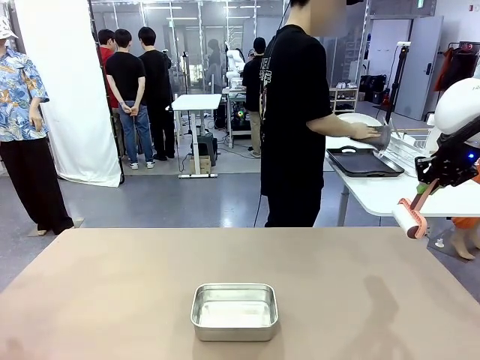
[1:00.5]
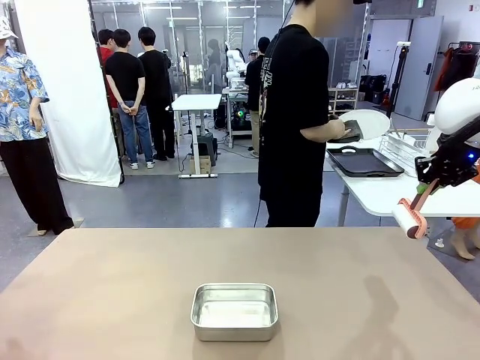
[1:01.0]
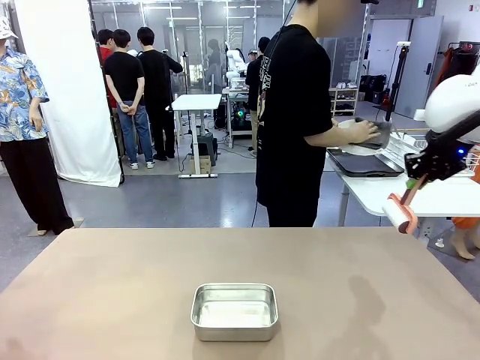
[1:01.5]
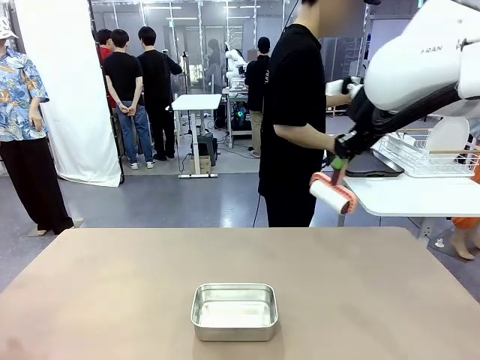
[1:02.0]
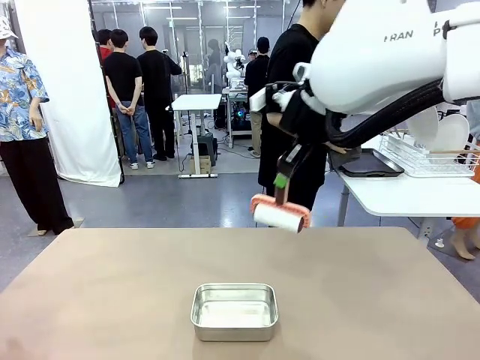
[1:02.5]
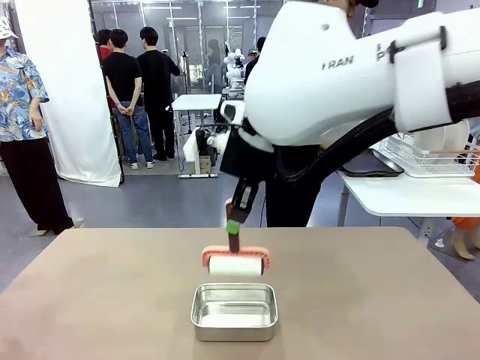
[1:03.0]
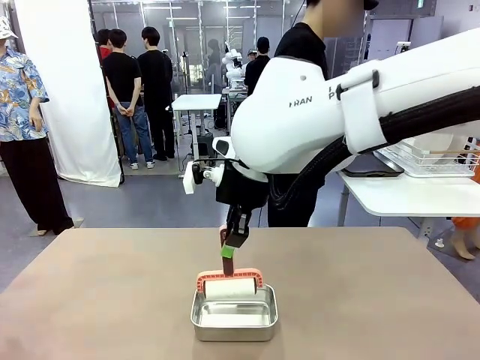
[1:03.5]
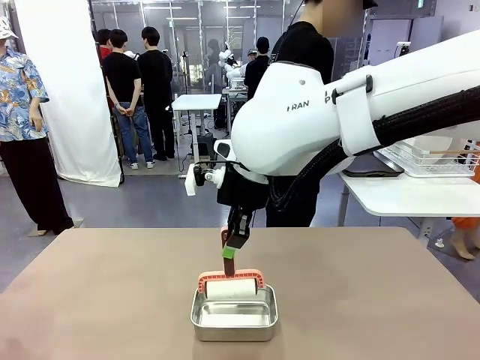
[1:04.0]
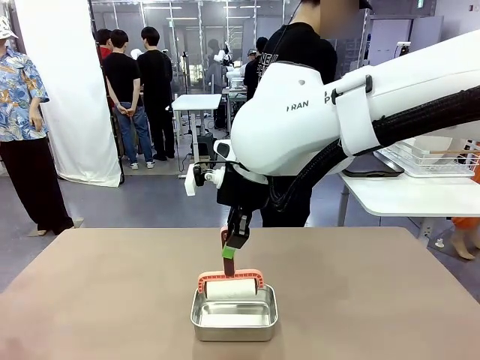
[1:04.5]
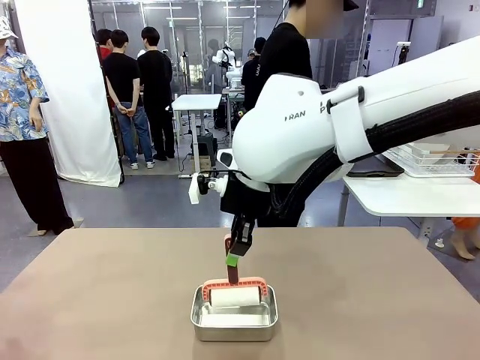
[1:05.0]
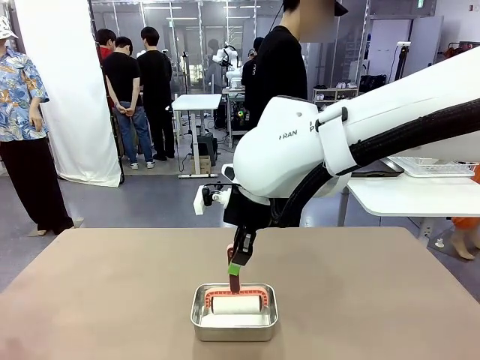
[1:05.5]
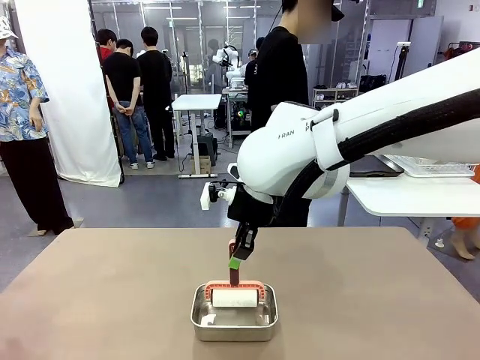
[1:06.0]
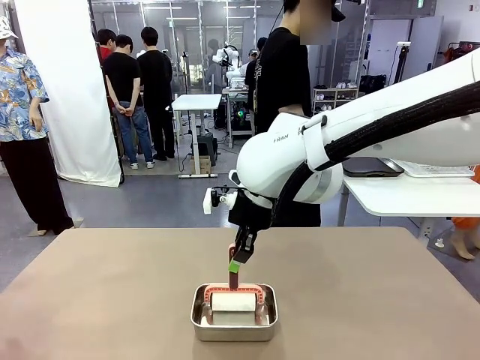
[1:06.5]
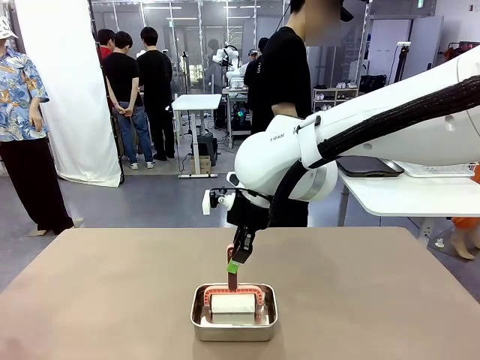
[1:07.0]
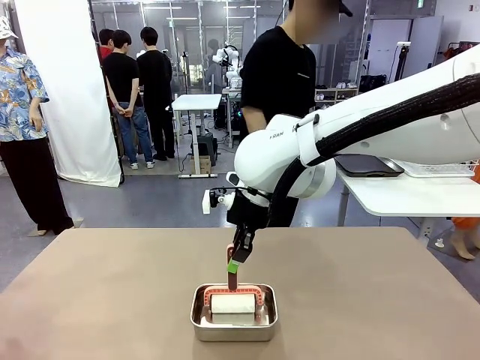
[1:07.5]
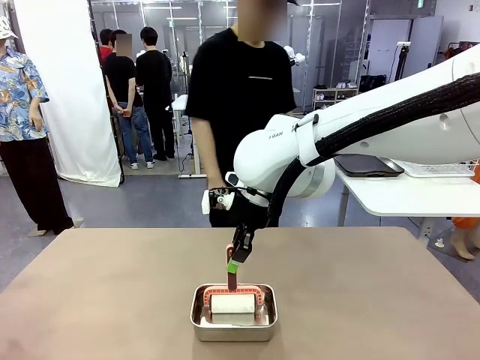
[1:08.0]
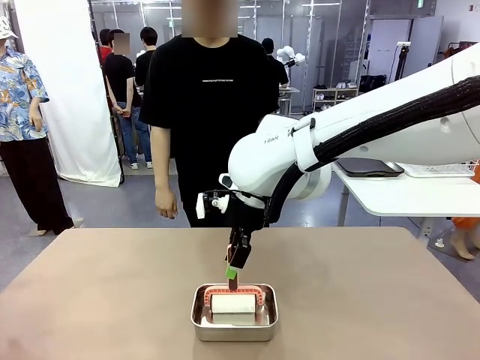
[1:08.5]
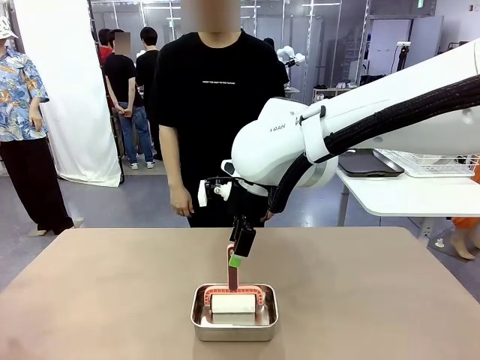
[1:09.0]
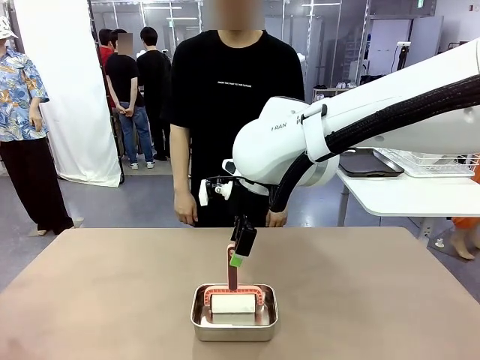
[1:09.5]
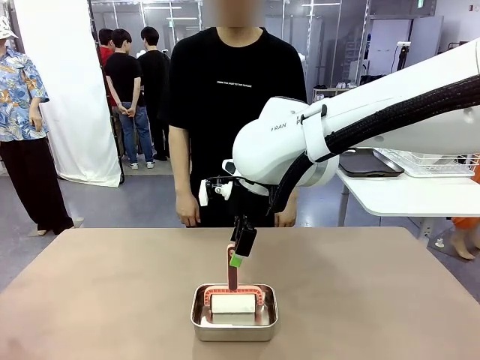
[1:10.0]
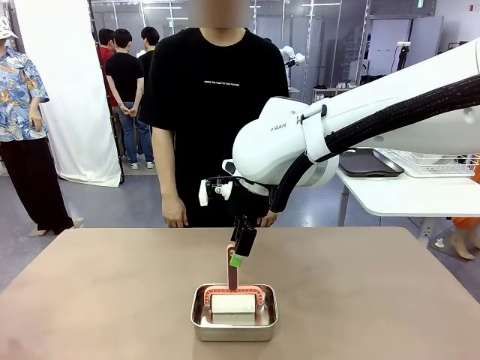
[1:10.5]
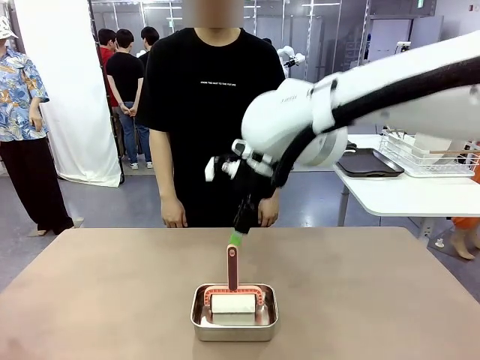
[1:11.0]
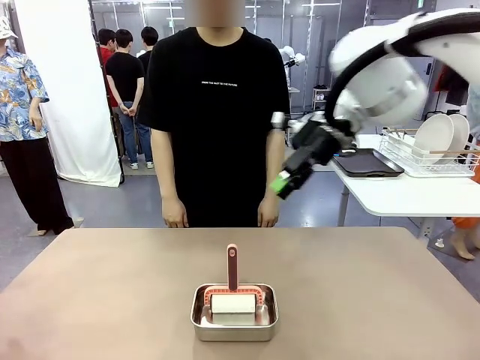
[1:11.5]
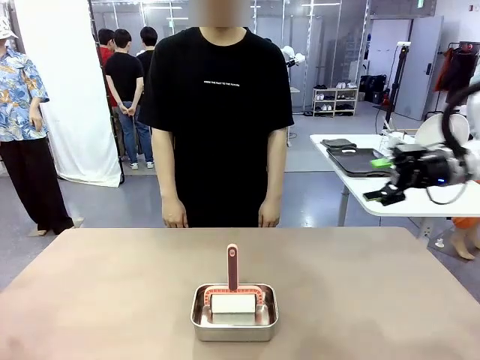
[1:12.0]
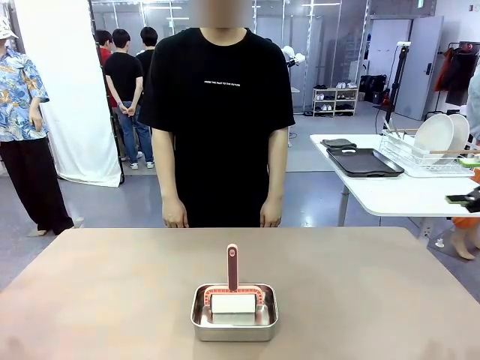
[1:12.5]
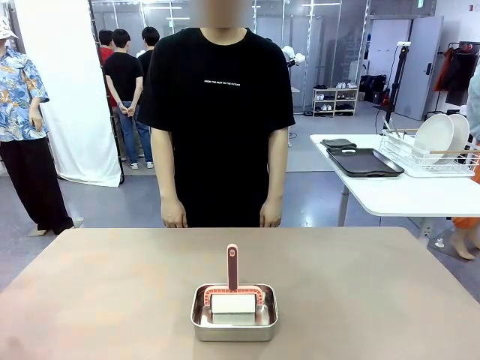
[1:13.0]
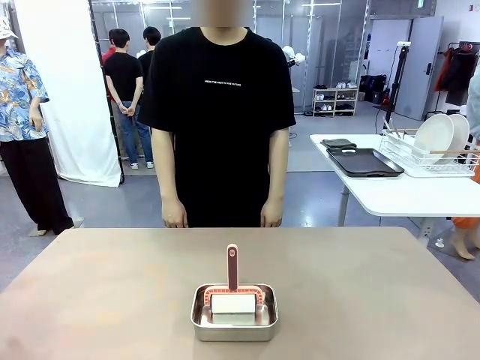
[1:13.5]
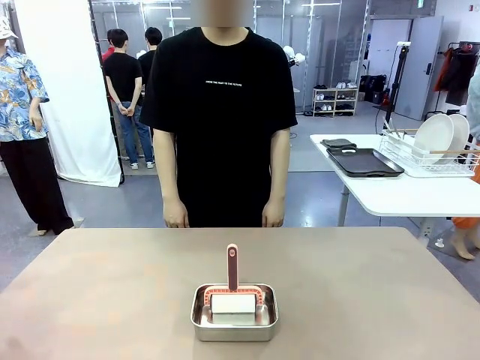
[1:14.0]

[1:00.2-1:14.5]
Robot: Place the Lint Roller back on top of the Airtight Container.

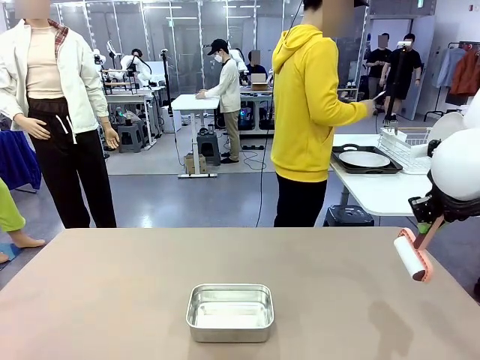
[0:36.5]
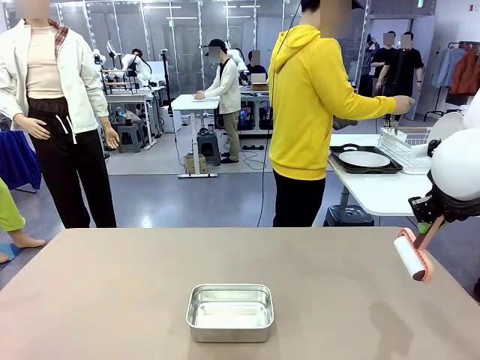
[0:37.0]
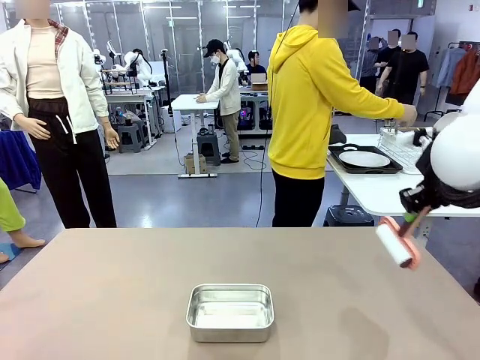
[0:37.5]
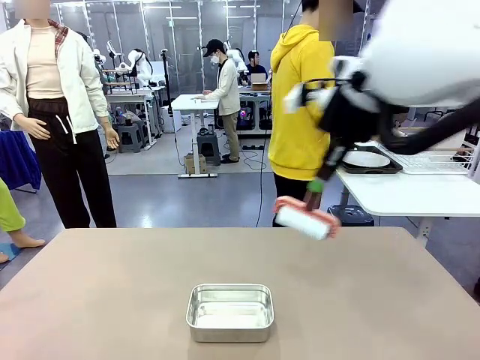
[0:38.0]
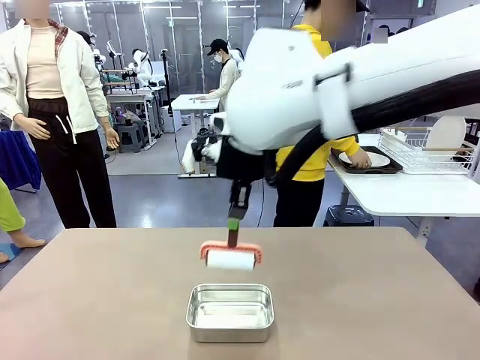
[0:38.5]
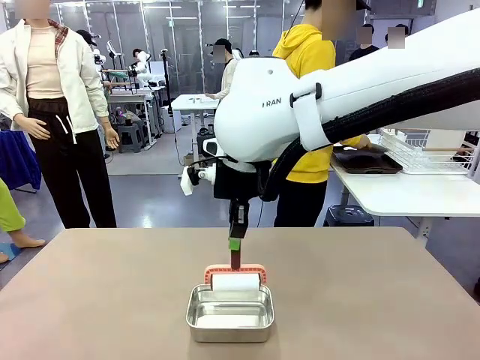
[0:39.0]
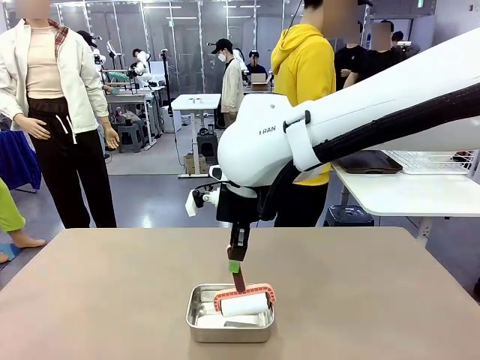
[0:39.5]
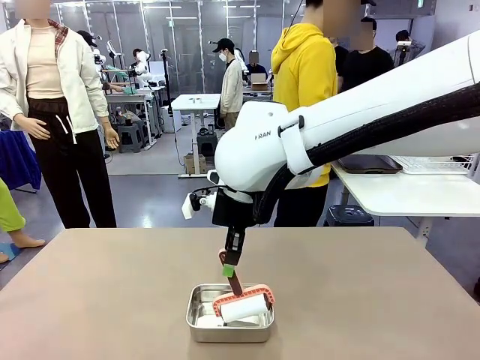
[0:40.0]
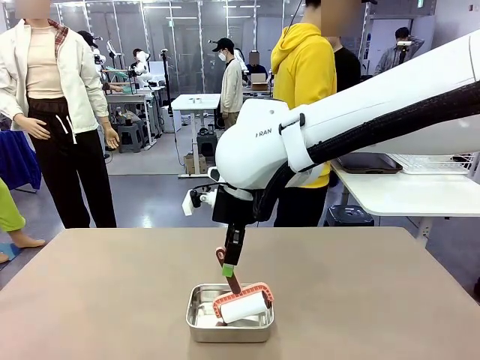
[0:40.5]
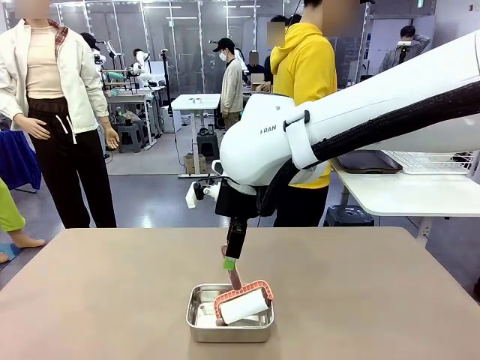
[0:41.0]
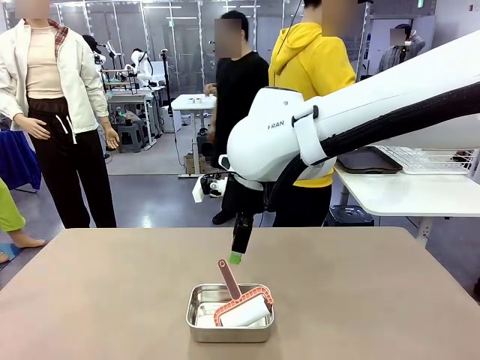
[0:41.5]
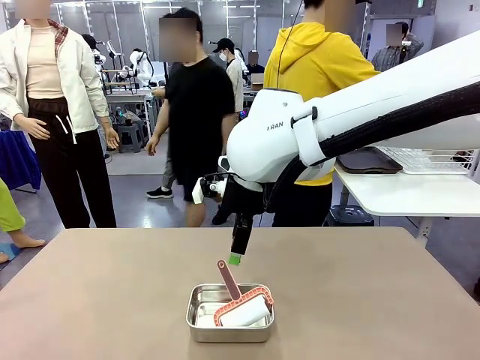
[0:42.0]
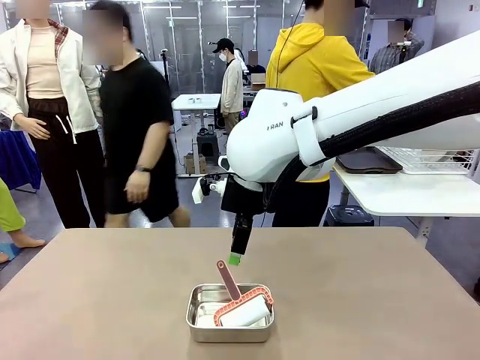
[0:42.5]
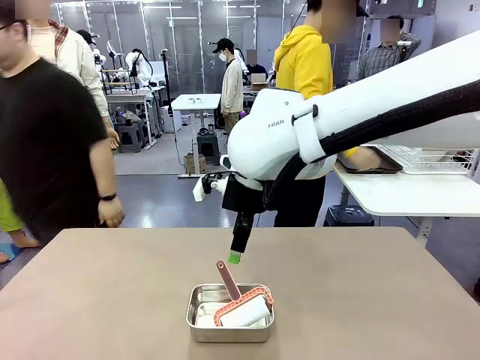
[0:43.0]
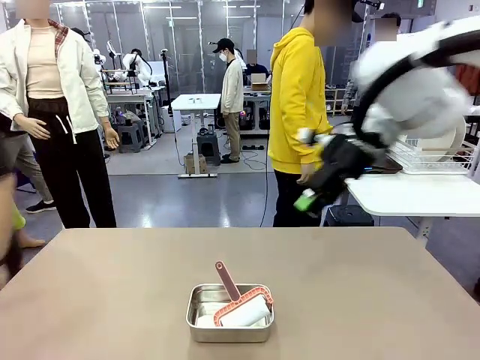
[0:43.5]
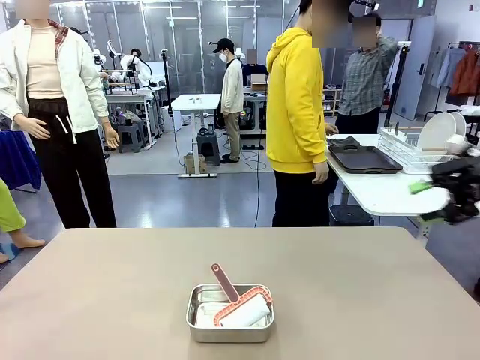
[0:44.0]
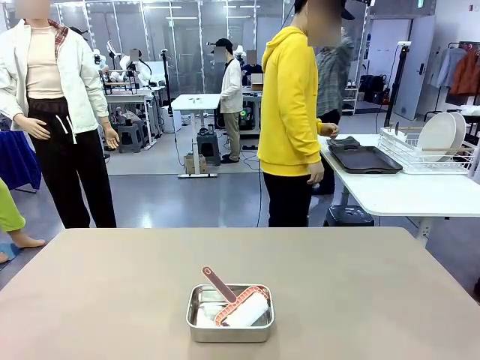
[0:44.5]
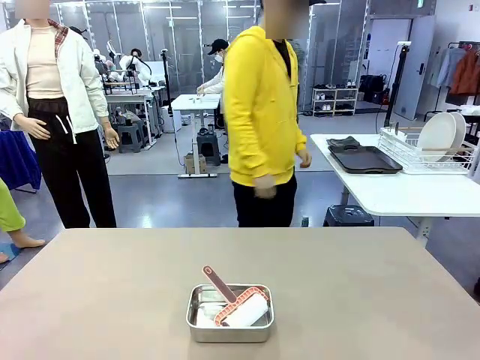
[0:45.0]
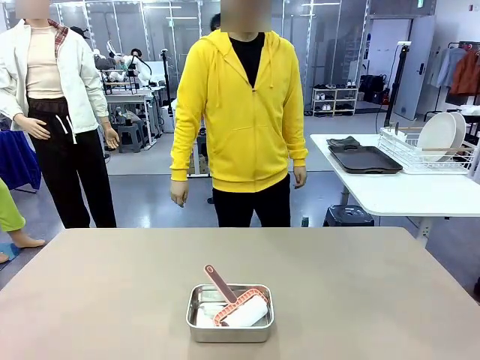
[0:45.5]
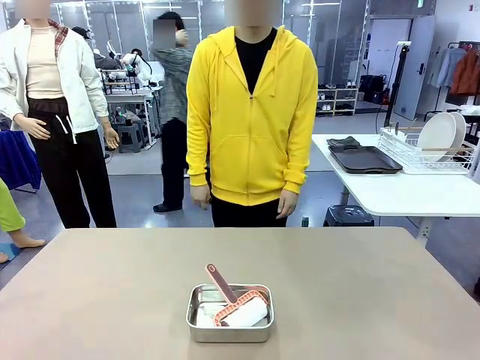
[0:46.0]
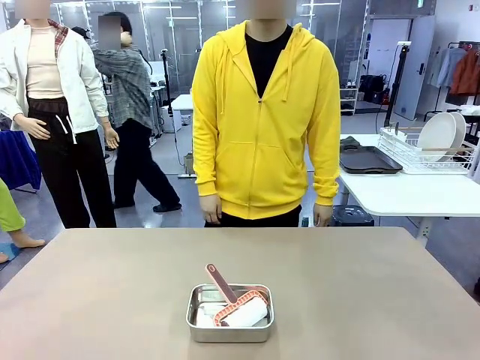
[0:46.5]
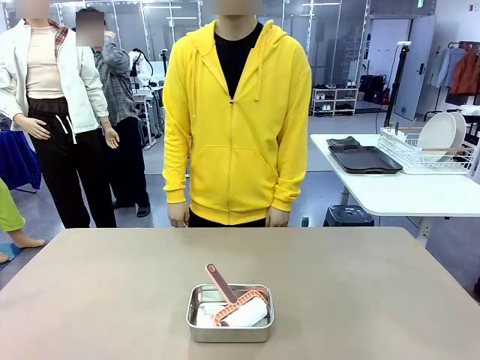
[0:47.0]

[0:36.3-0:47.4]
Robot: Place the Lint Roller back on top of the Airtight Container.
Person: Use the Towel with hook to wipe the Plastic Matte Plate , Fork , and Knife and place into the Dish drying rack.
